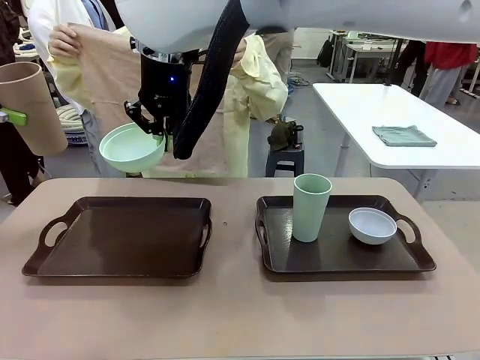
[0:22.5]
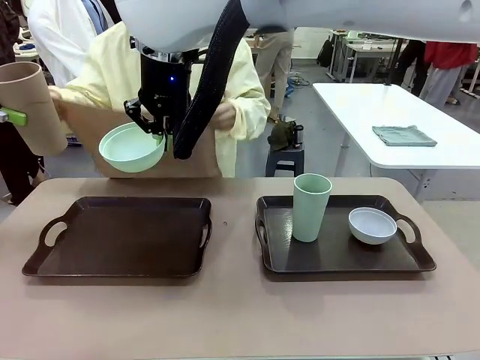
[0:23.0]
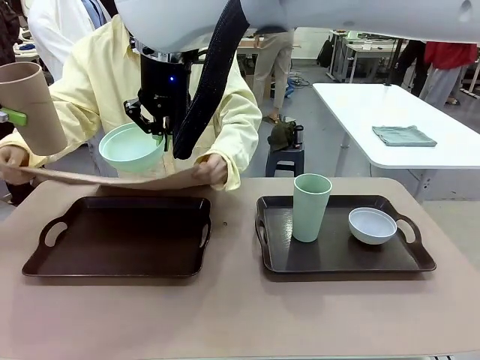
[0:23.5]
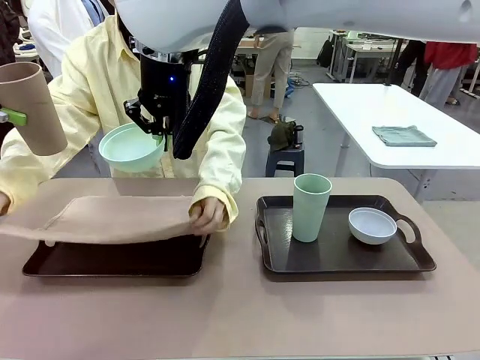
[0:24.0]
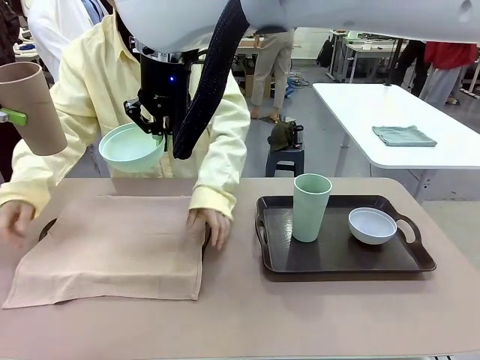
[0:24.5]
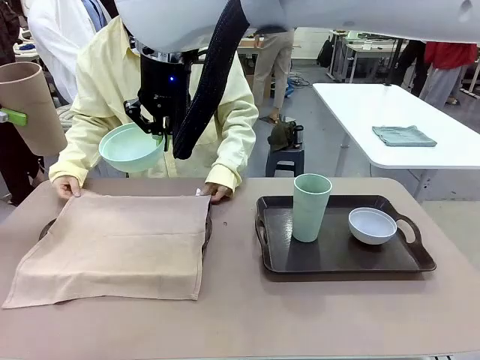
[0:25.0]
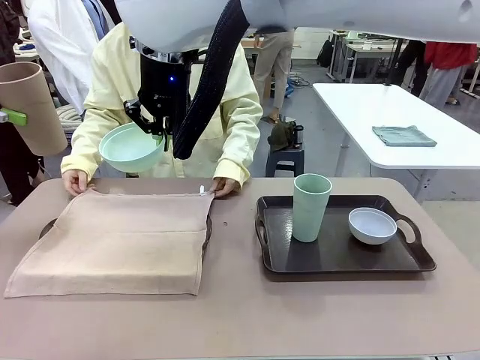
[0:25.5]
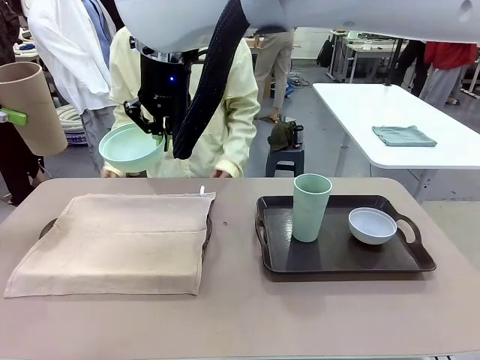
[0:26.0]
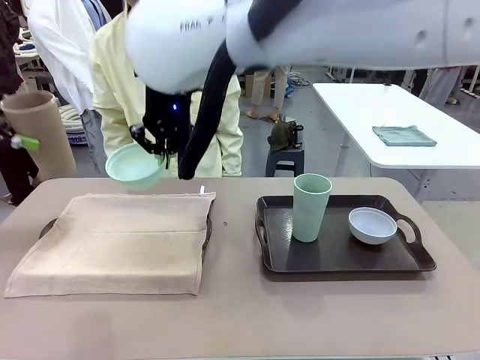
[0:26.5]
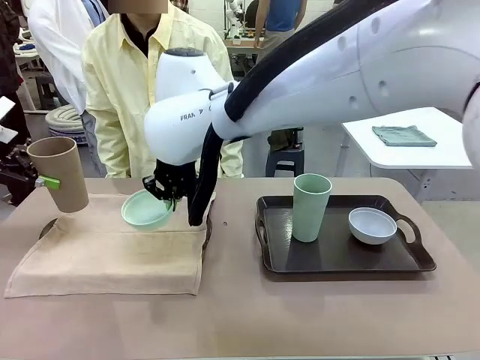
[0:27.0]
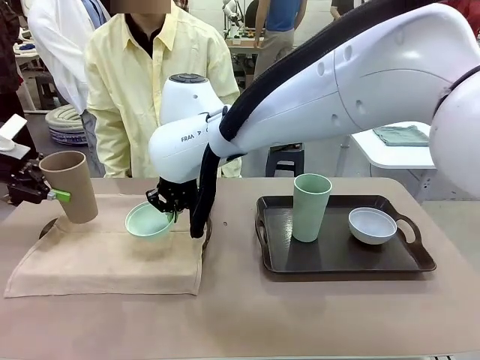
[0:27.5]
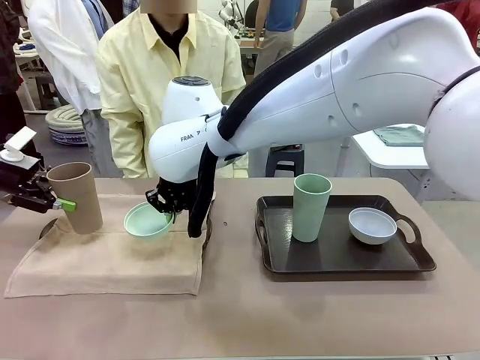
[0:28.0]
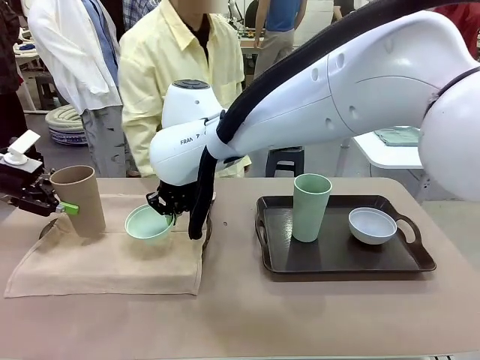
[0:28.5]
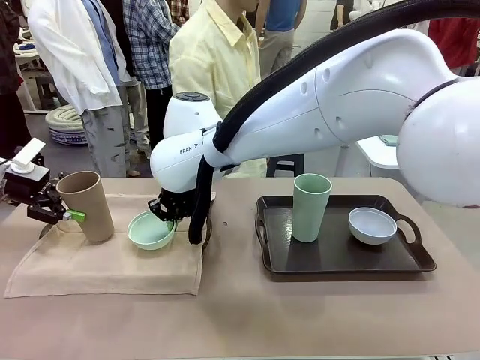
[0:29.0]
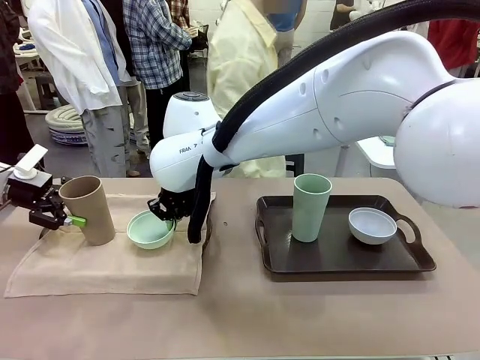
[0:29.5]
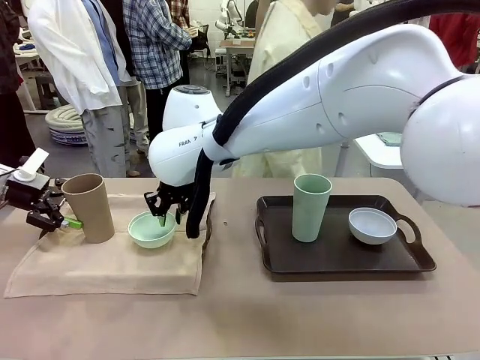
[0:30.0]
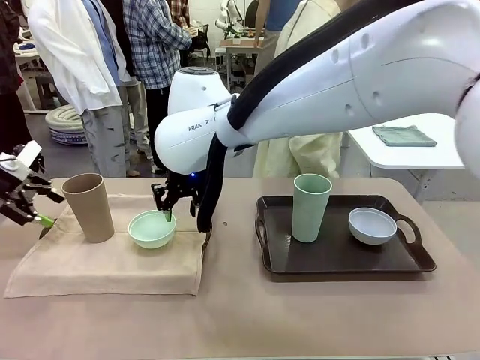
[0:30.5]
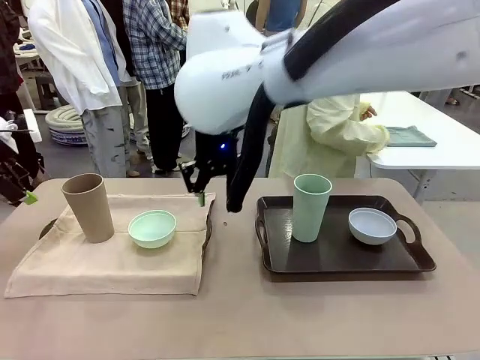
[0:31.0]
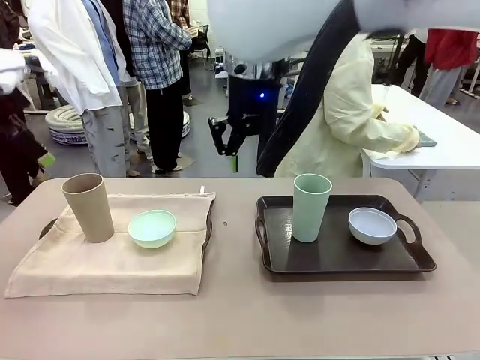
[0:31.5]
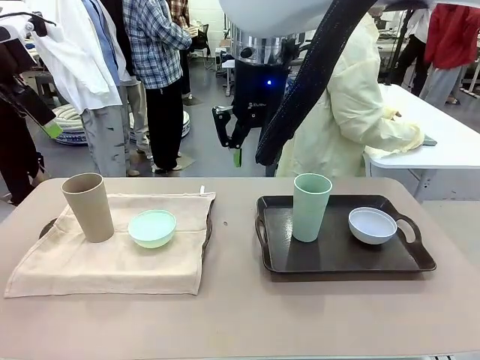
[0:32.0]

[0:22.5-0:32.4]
Robot: Place the Picnic Bowl and Reusable plastic cup back onto the Handle tray in front of the human's position.
Person: The human returns to the human table to pick up another napkin and walks to the robot table to stand in front of the tray without a napkin.

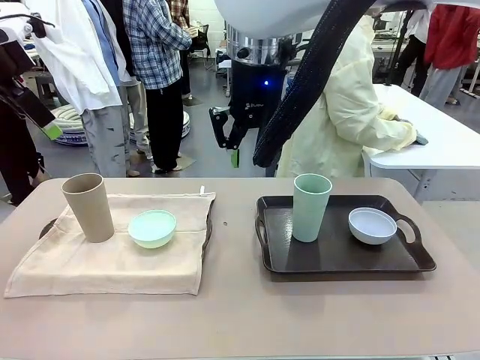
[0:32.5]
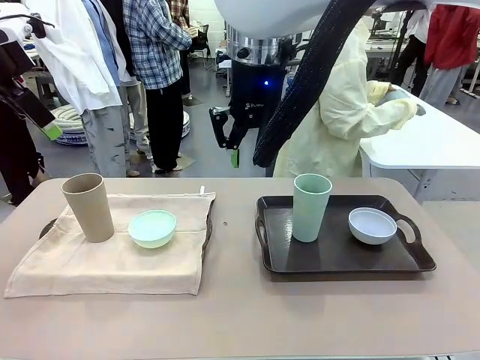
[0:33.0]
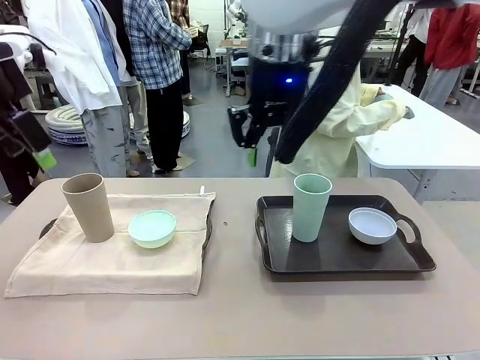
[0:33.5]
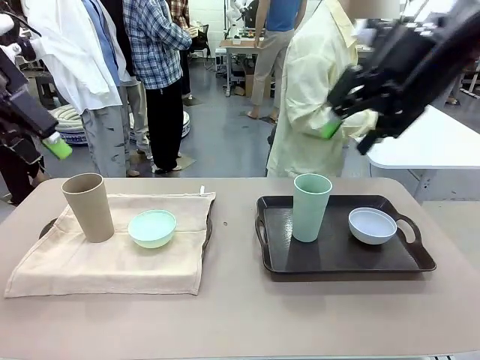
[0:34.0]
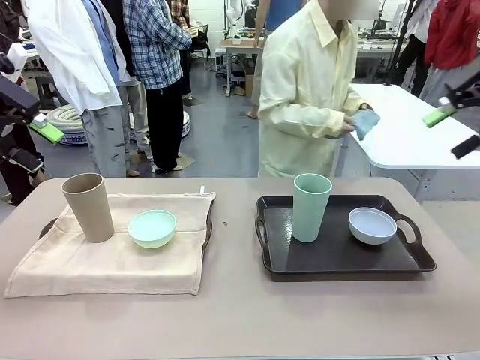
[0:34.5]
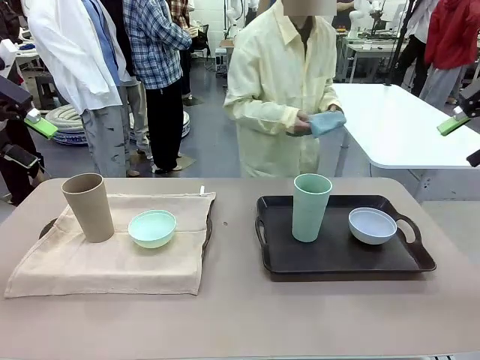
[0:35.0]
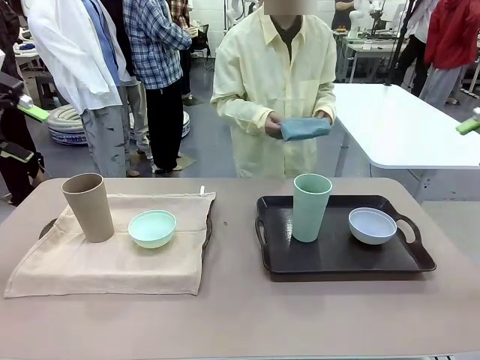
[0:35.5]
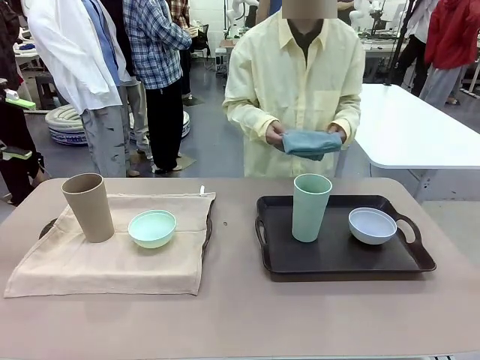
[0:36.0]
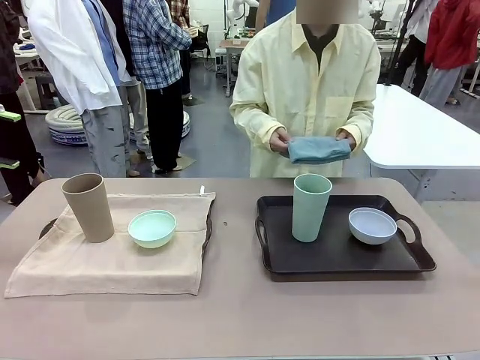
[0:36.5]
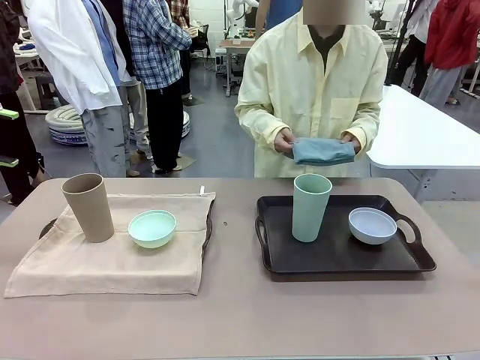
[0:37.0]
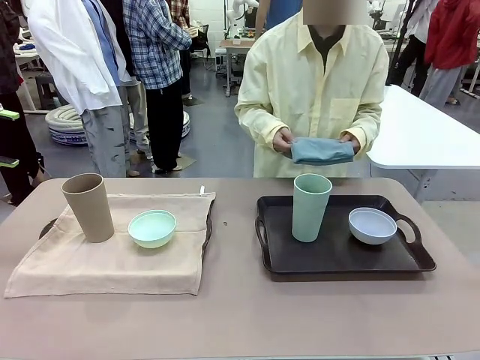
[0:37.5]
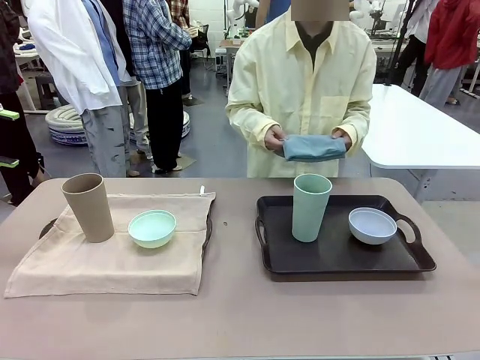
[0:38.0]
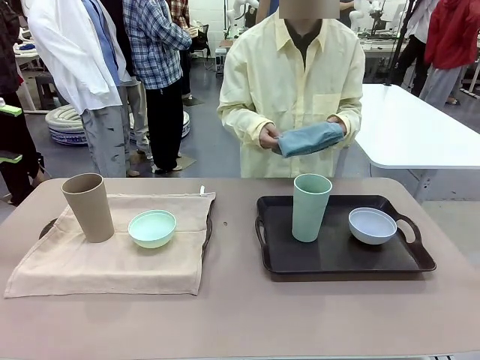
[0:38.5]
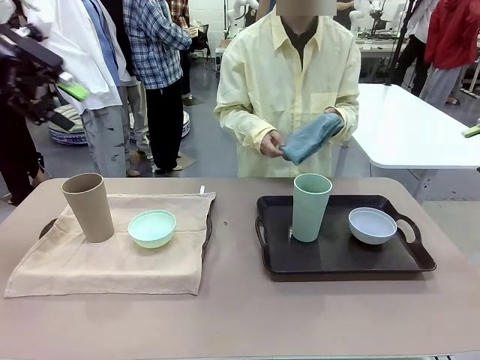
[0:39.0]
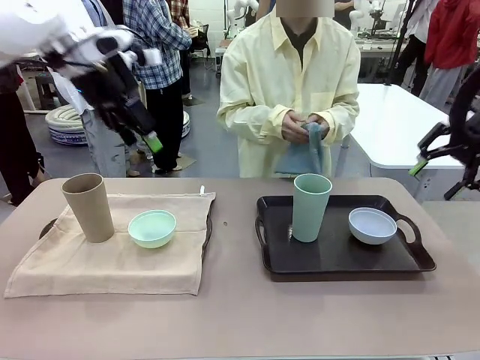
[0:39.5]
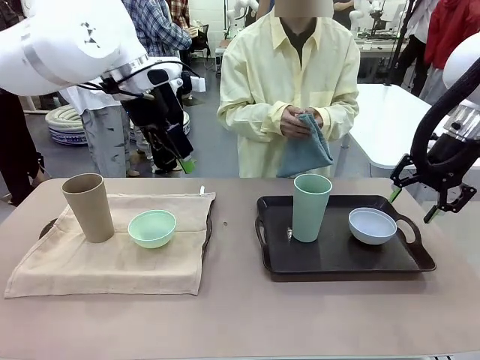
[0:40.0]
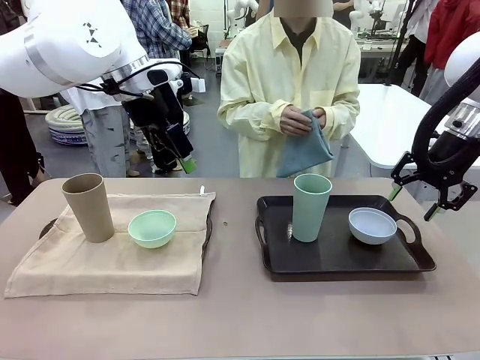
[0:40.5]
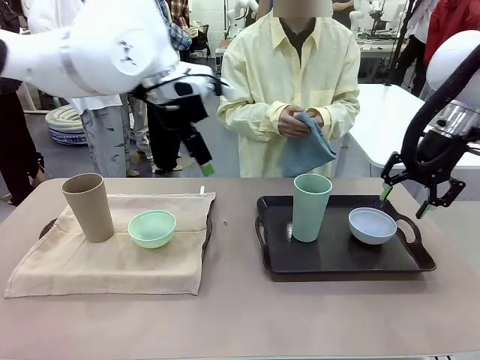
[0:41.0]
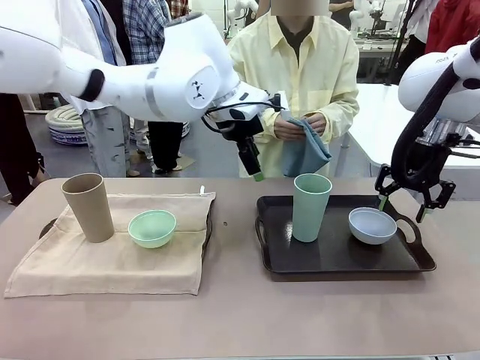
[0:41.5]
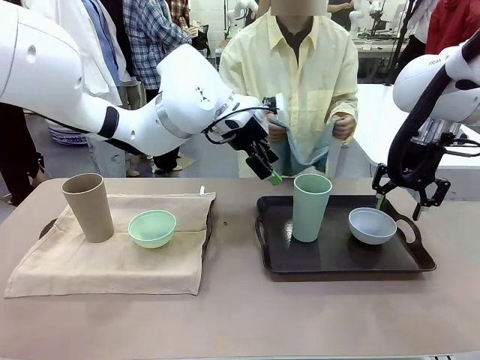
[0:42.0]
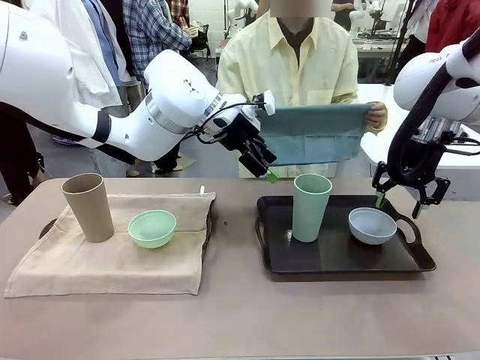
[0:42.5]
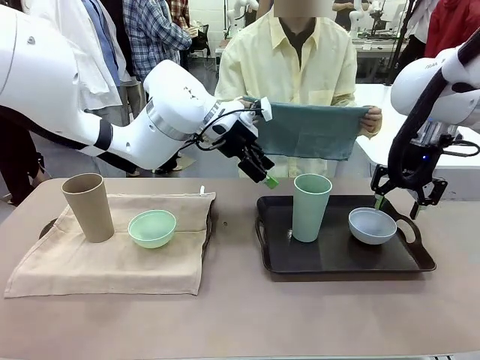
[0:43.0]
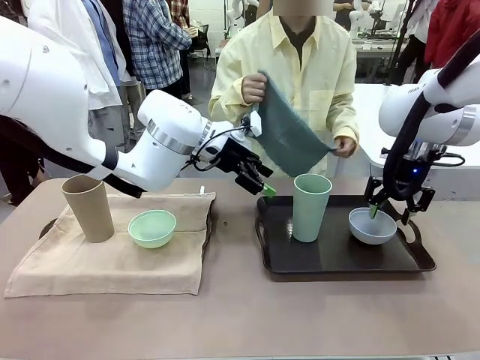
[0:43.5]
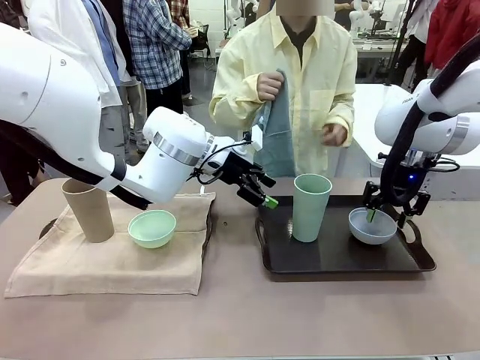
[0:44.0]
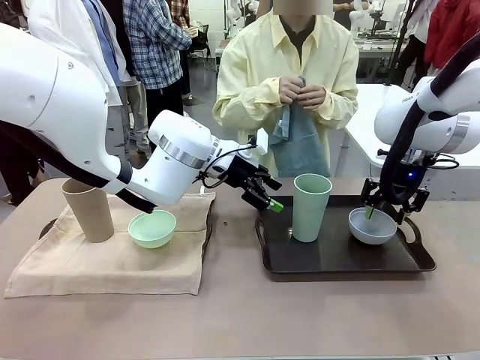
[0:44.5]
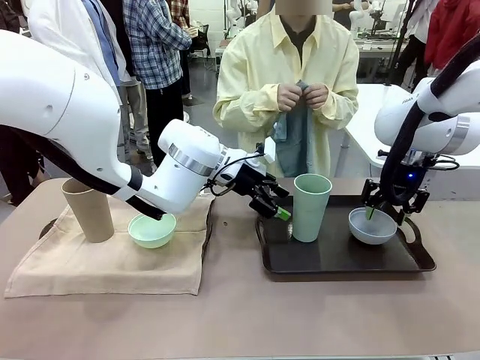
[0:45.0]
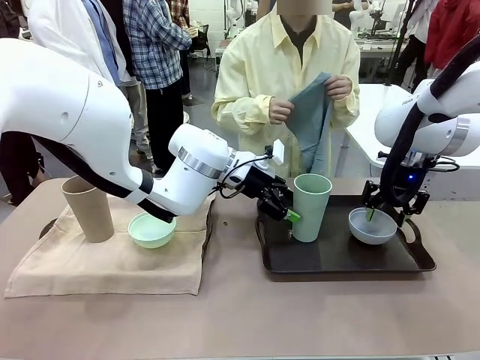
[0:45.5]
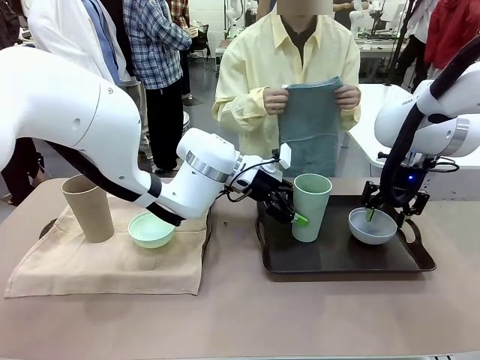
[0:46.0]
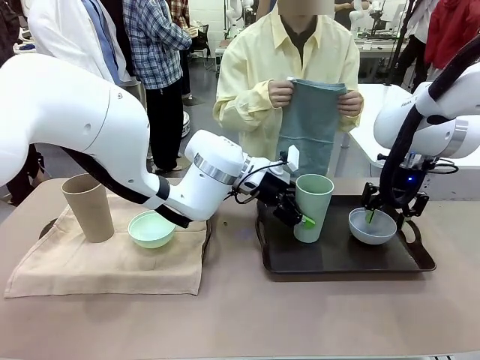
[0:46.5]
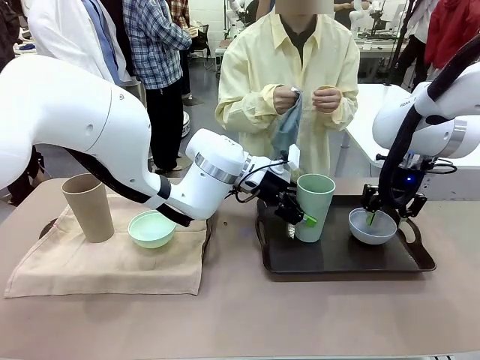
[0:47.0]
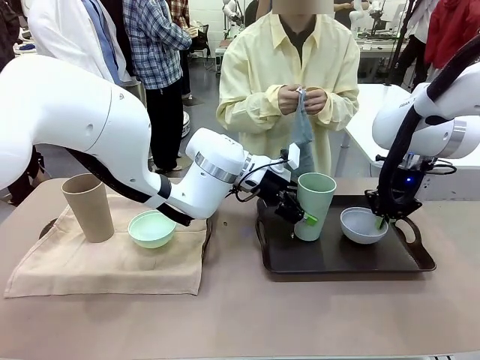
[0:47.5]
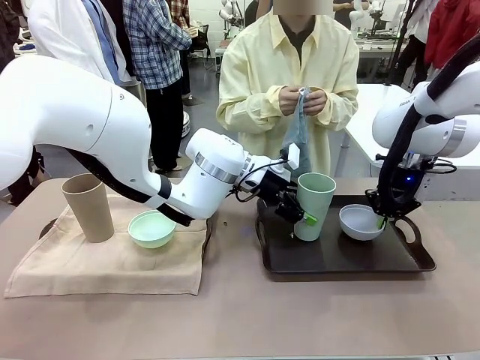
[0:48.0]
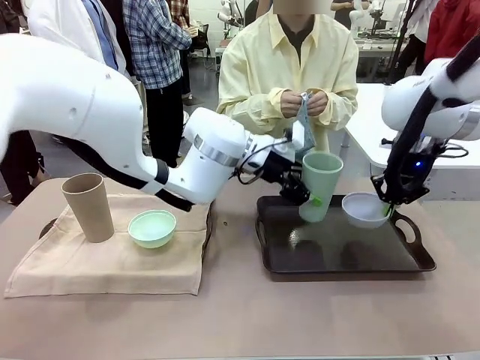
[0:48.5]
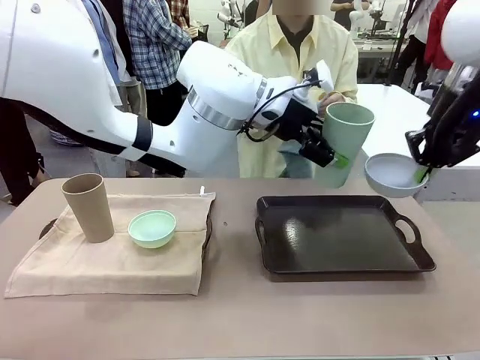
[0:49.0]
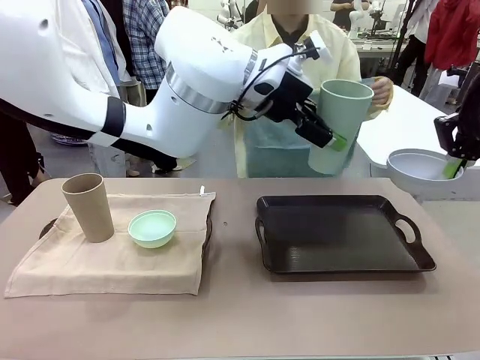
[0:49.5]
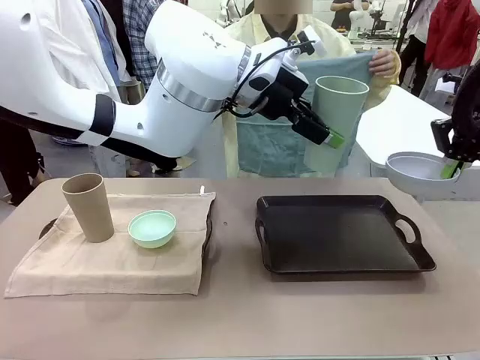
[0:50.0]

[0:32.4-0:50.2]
Robot: Pick up the Picnic Bowl and Reusable plastic cup from the Handle tray in front of the human's position and hold them in the air.
